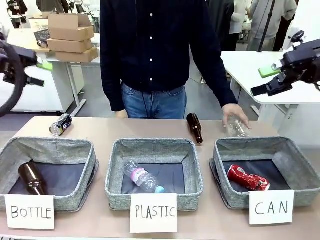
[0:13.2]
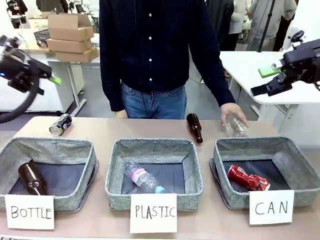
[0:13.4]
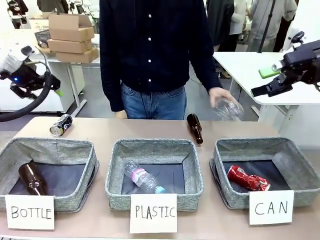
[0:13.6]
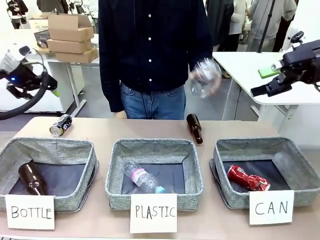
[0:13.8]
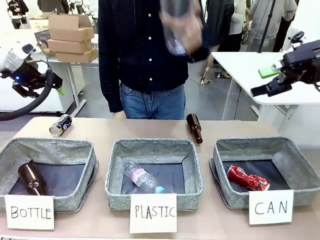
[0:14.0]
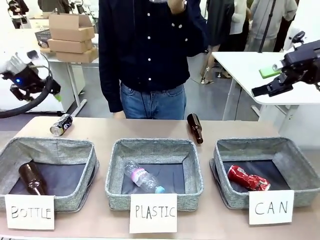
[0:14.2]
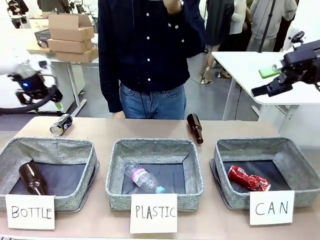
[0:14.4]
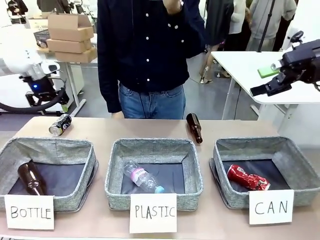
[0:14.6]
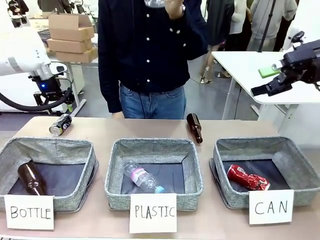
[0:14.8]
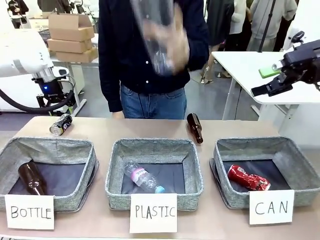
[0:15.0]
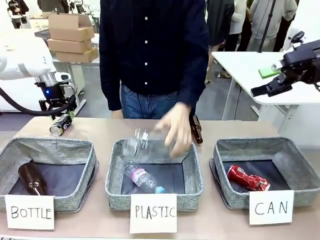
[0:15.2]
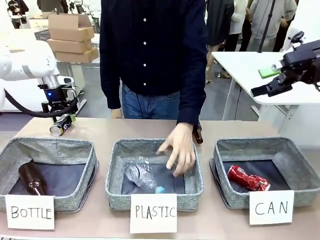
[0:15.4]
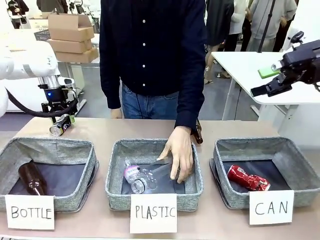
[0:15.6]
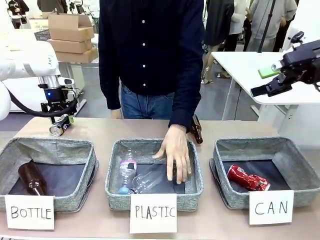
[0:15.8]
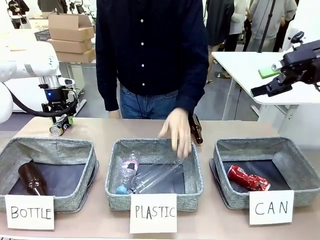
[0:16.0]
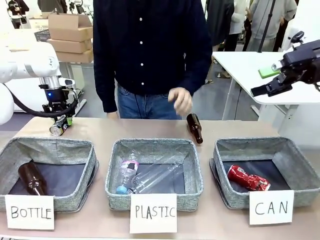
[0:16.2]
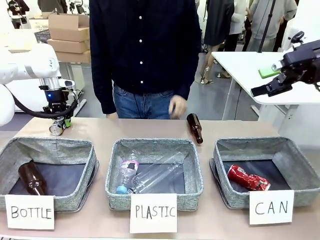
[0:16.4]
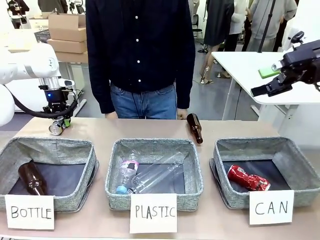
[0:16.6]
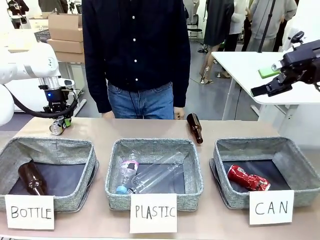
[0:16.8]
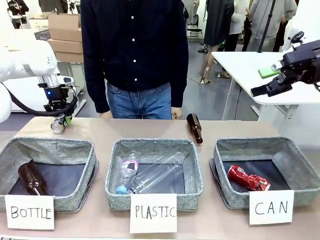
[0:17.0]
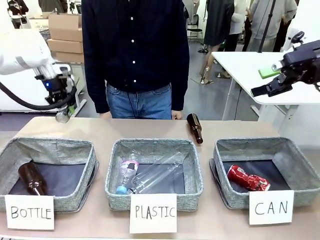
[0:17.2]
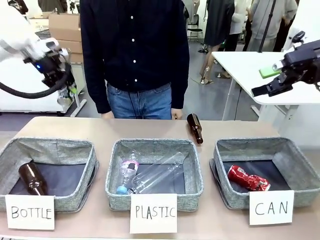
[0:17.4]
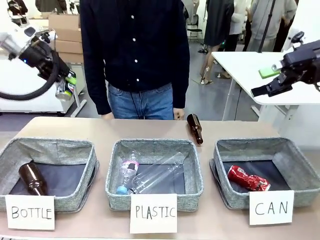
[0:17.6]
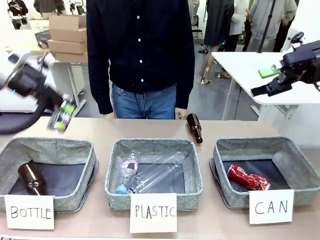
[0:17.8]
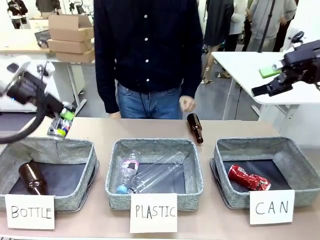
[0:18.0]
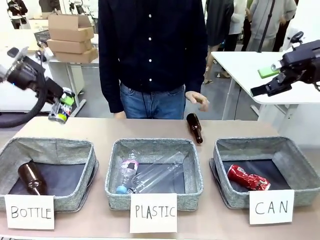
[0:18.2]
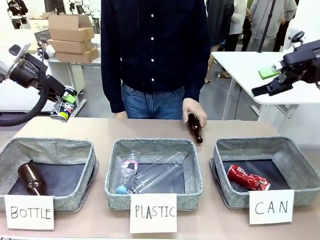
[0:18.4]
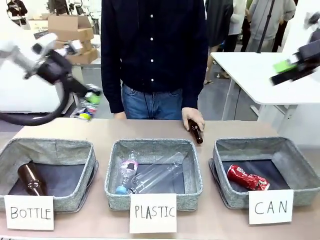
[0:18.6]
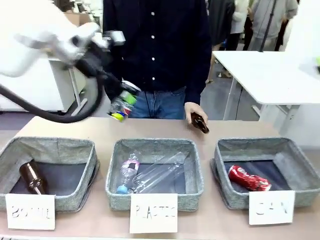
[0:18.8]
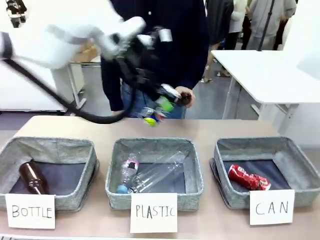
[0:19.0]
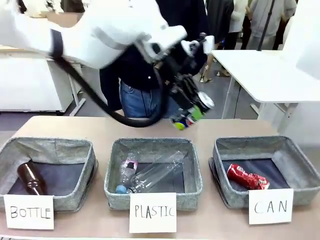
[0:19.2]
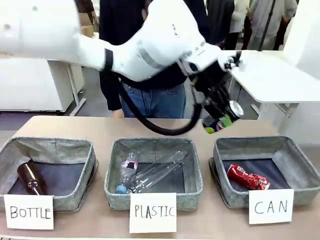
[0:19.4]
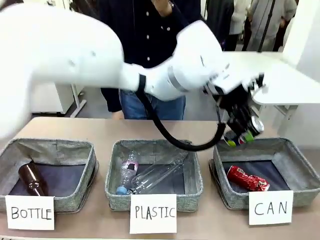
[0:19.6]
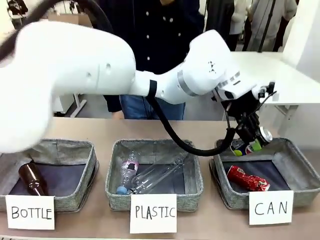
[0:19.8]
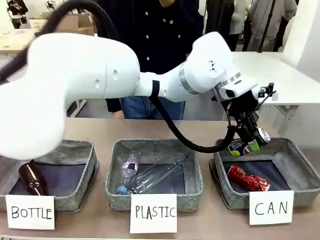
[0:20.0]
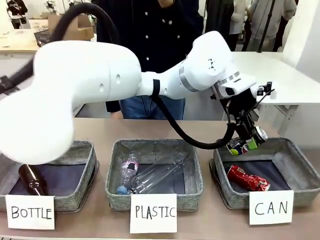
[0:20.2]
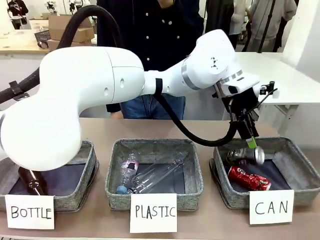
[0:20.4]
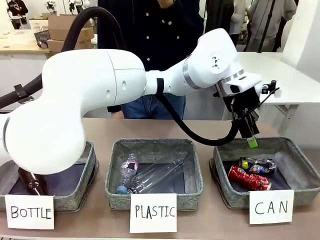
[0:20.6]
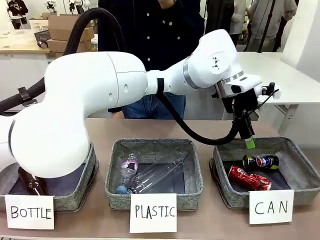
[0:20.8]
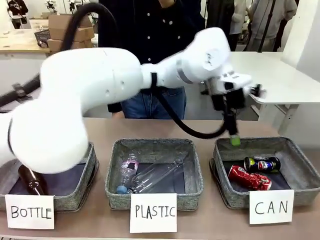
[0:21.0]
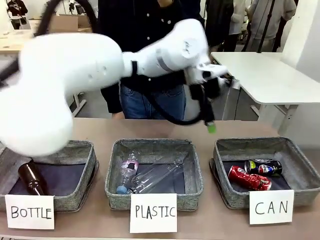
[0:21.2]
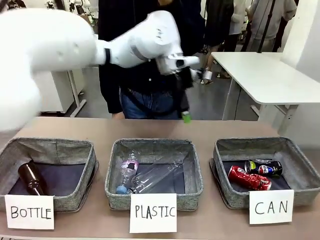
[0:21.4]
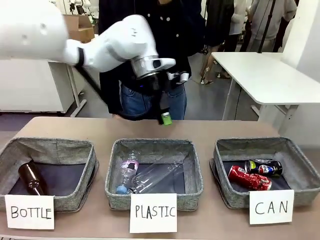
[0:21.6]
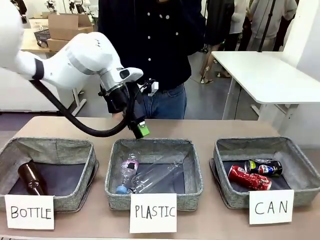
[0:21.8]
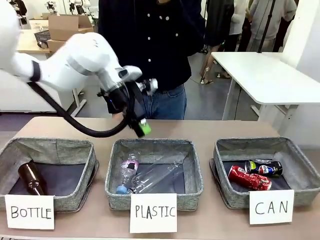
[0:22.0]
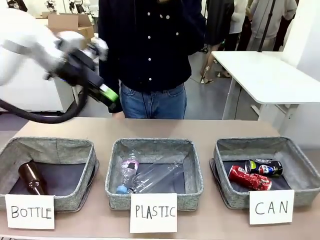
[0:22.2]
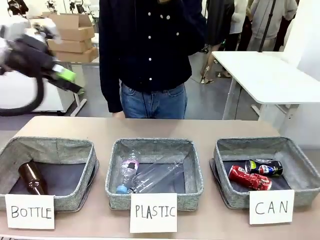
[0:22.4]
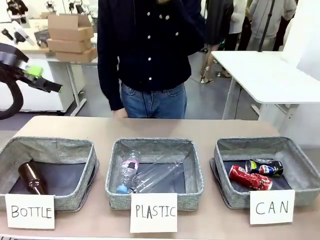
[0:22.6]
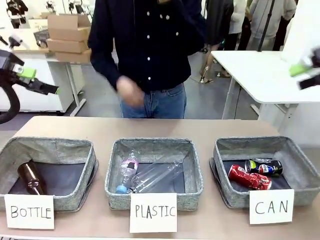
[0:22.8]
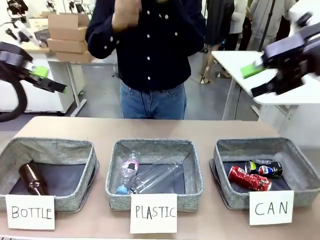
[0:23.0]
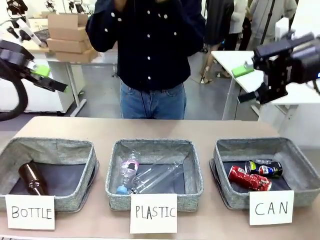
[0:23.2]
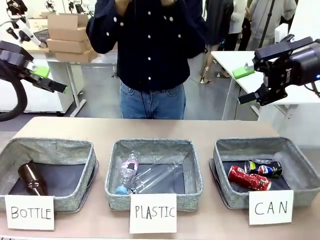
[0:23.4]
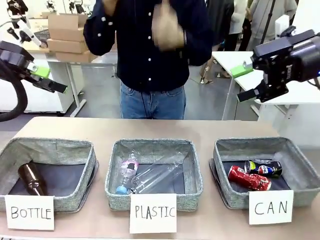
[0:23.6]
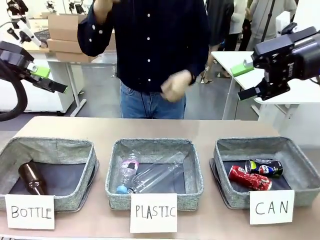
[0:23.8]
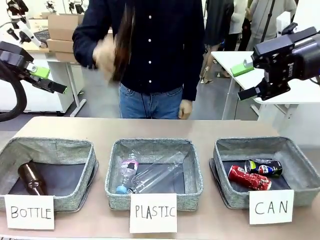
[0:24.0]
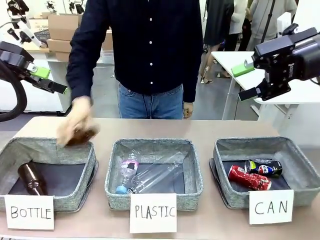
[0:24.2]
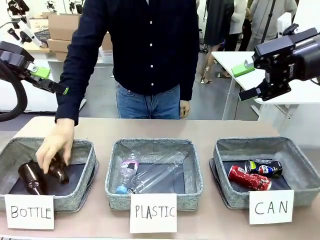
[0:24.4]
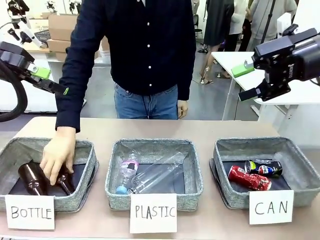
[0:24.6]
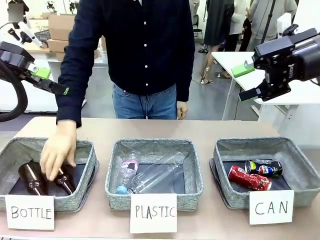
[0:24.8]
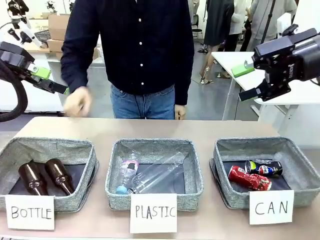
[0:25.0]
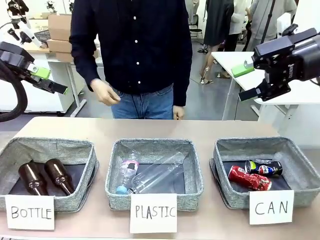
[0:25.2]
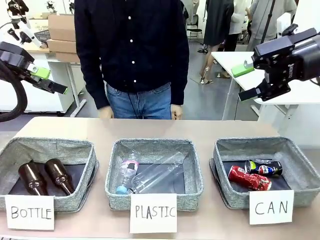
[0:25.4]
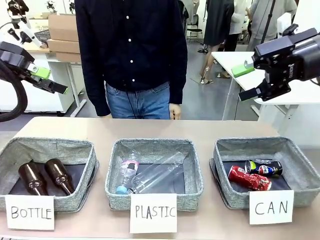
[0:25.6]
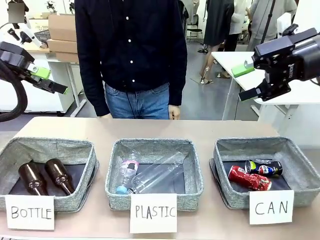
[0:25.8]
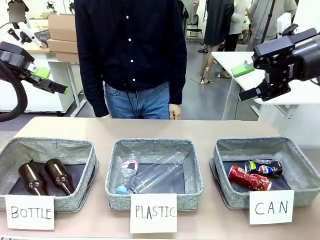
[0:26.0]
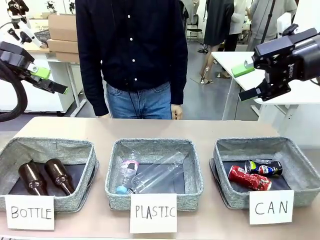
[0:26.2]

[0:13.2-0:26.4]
Task: Sort the can waste into the basket.
Robot: Pick up the can waste from the table and place it in the right Fabric basket.

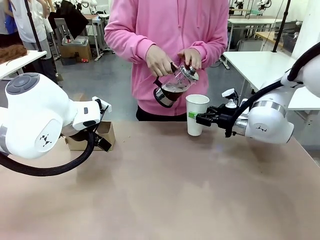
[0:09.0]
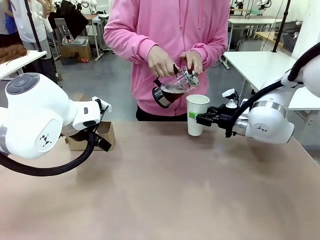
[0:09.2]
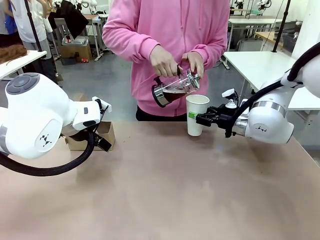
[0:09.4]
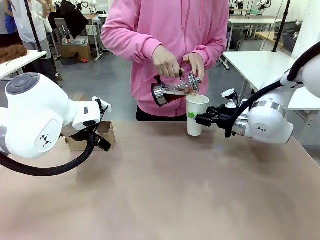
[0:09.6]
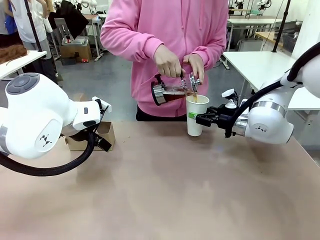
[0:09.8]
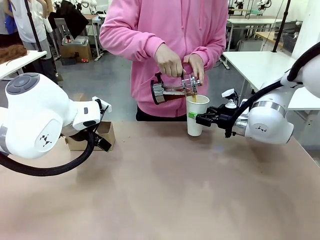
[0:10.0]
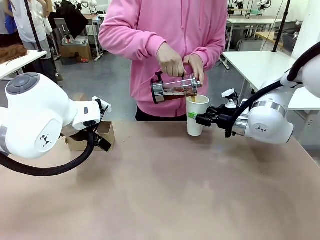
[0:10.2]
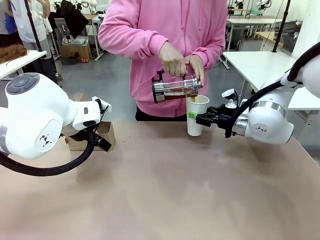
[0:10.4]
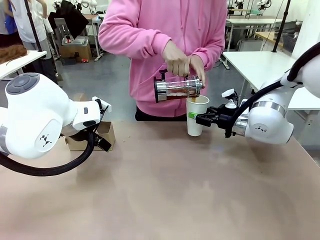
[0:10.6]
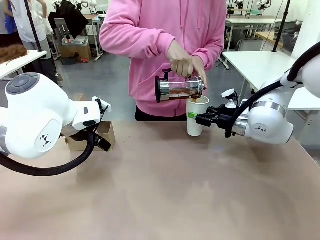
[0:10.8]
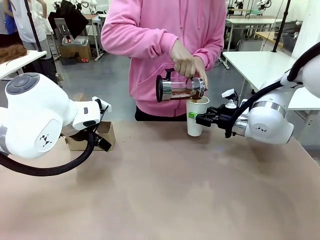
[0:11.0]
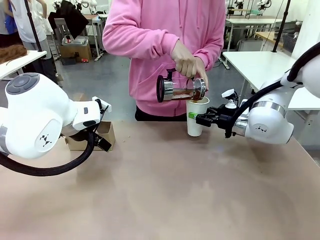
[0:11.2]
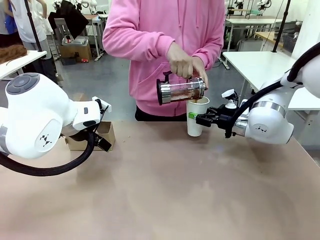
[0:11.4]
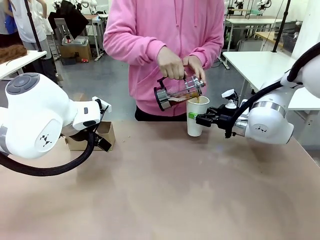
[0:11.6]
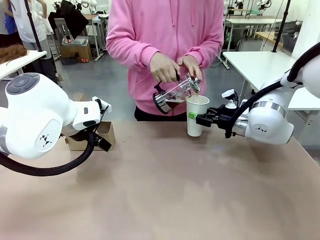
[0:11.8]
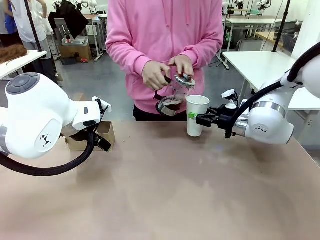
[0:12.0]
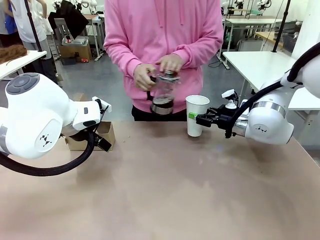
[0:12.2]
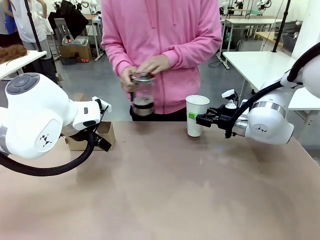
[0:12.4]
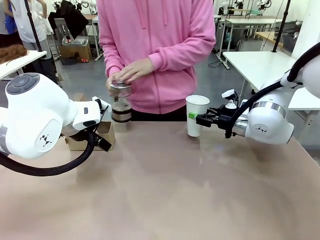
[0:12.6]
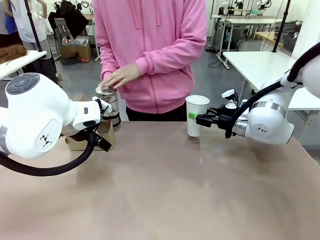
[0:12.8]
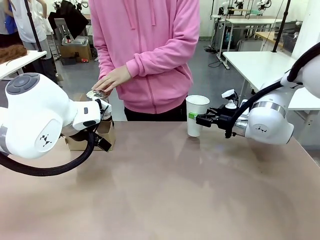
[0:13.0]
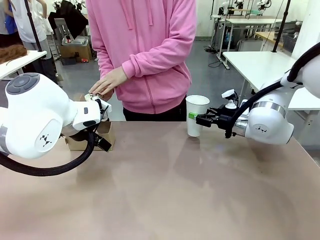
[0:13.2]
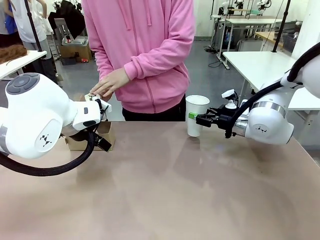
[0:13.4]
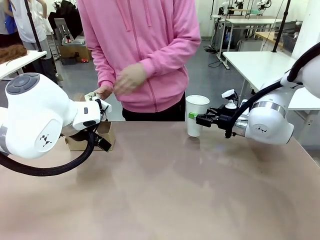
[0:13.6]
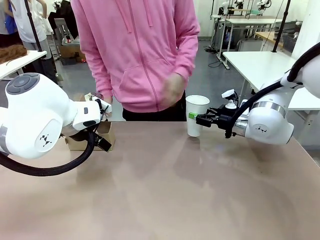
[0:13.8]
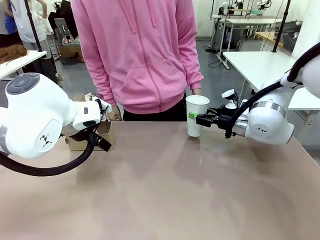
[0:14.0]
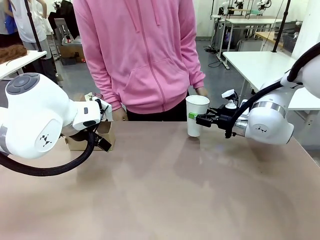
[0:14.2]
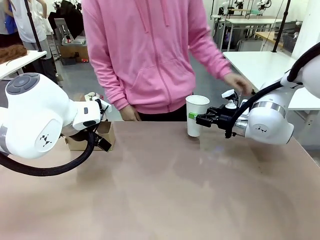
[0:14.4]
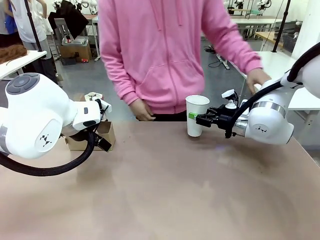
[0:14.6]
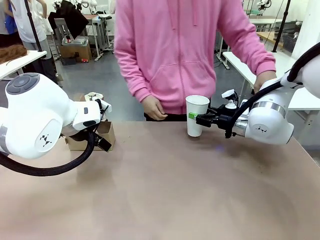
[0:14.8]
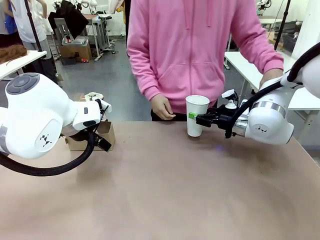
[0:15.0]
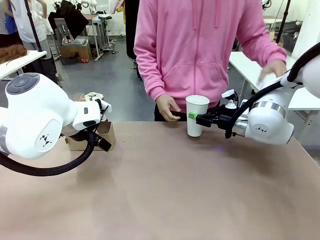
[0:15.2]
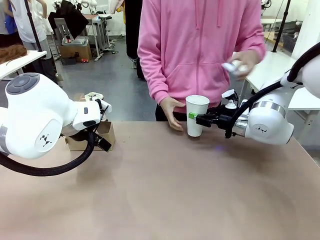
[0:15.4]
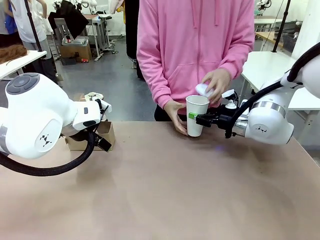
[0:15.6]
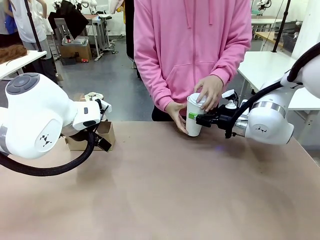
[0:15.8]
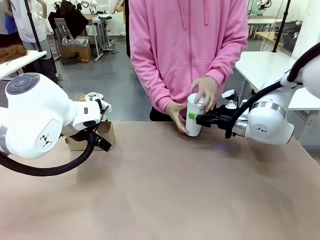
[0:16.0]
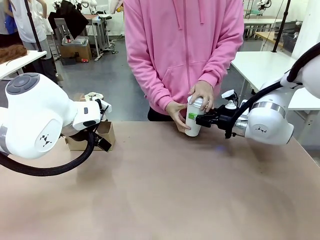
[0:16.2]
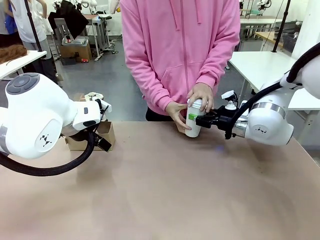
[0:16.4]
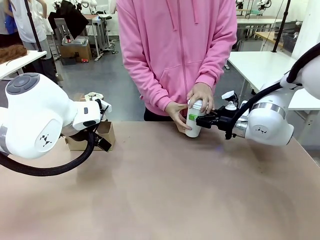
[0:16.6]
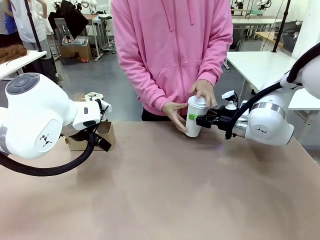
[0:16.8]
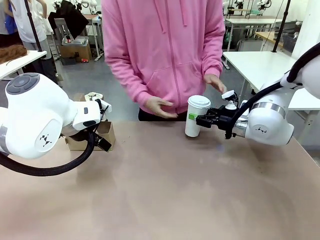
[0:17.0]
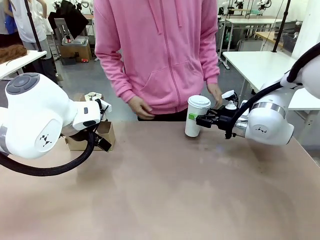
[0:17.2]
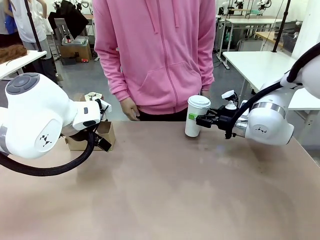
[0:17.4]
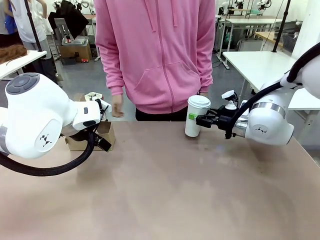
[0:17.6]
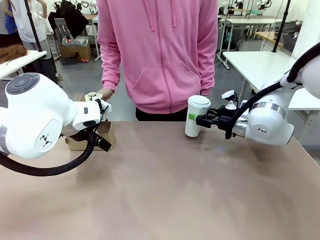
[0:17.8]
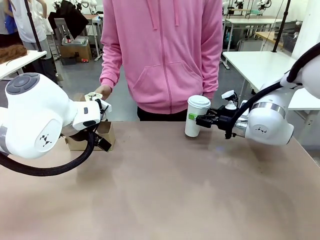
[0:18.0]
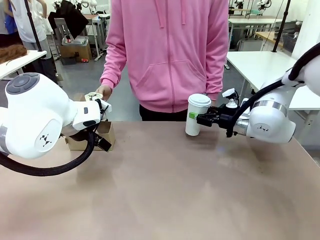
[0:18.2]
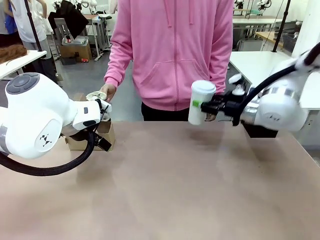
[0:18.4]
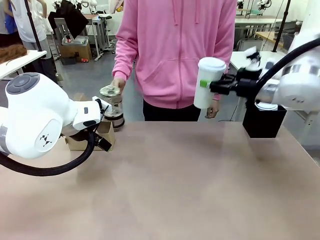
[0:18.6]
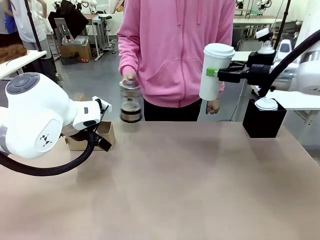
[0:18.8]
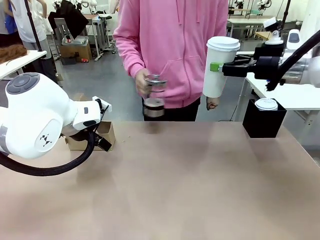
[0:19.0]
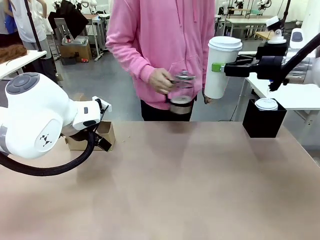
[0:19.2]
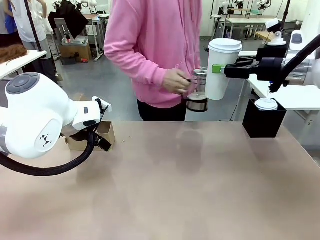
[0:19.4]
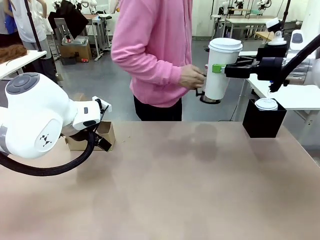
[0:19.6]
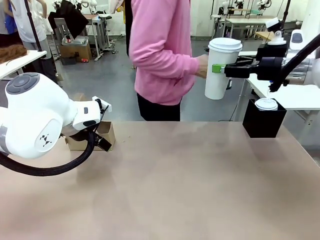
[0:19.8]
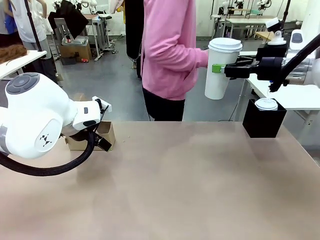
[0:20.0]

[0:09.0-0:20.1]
Task: Pour a drink into a cup and package it in a carrier.
Robot: When a person places the Paper Cup Lid on the 600 ml Paper Cup , lift the 600 ml Paper Cup.
Person: Pour the drink from the Filter Brewing into the 600 ml Paper Cup. Place a Paper Cup Lid on the 600 ml Paper Cup.
